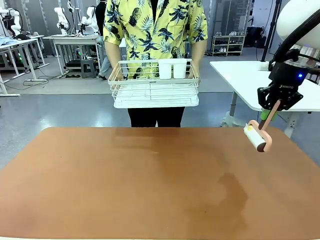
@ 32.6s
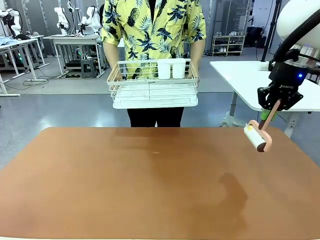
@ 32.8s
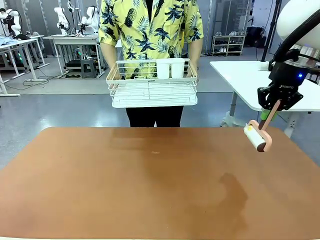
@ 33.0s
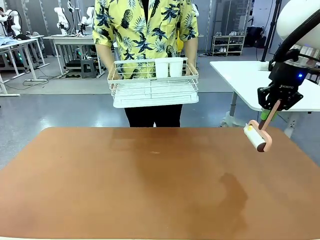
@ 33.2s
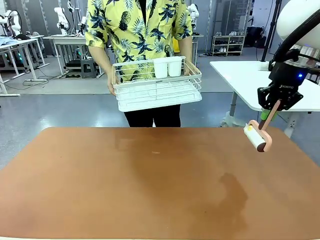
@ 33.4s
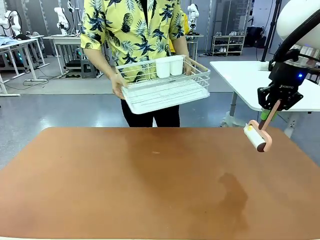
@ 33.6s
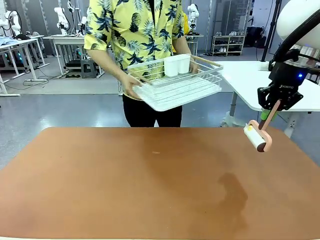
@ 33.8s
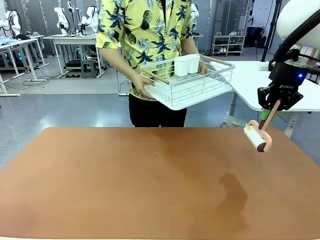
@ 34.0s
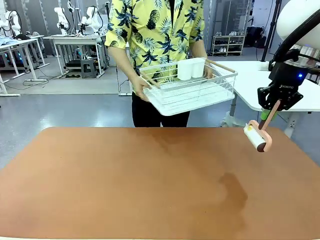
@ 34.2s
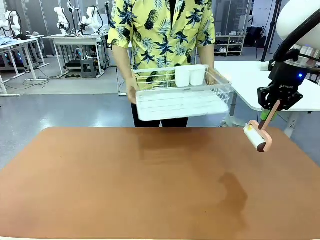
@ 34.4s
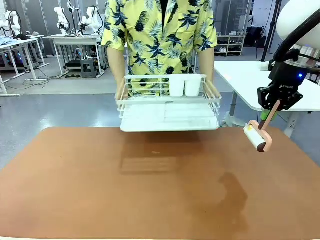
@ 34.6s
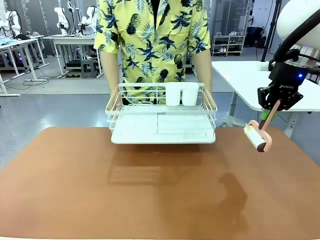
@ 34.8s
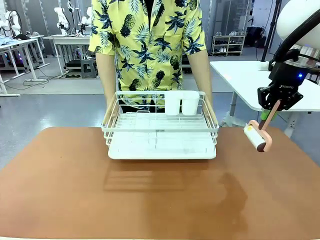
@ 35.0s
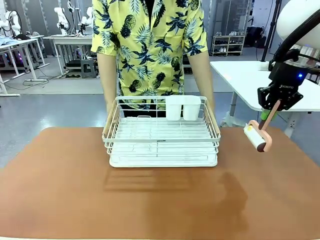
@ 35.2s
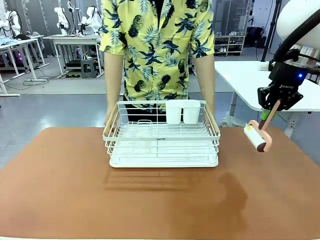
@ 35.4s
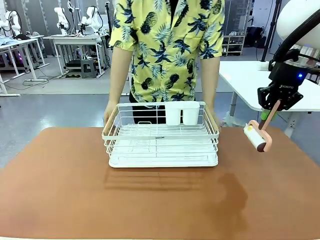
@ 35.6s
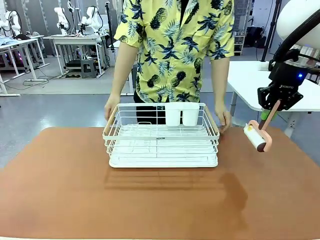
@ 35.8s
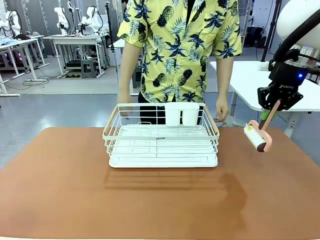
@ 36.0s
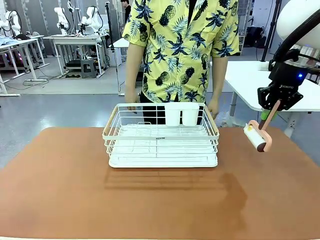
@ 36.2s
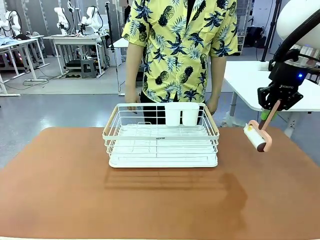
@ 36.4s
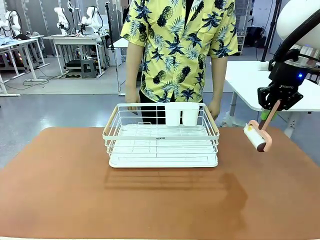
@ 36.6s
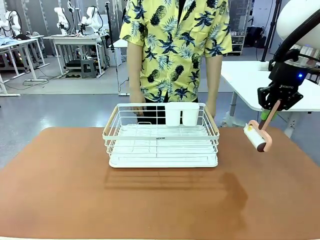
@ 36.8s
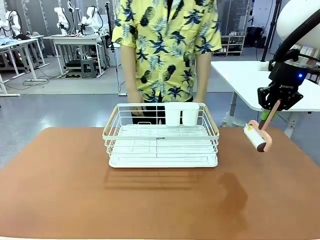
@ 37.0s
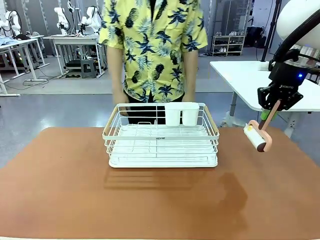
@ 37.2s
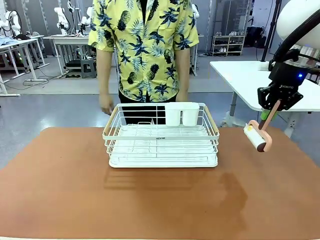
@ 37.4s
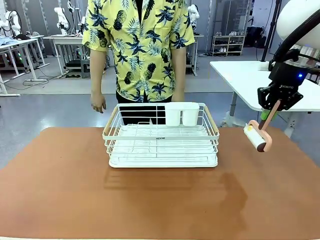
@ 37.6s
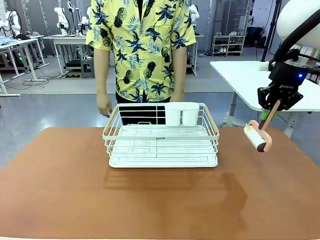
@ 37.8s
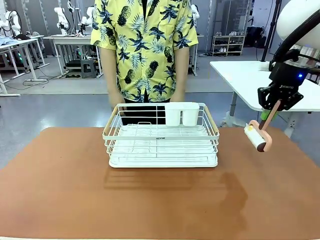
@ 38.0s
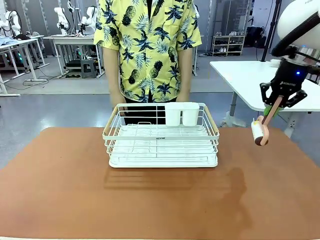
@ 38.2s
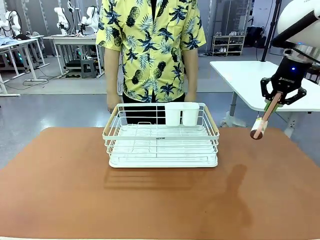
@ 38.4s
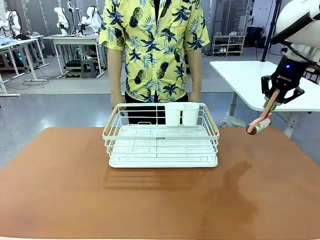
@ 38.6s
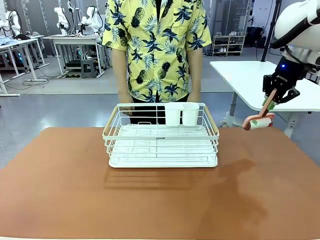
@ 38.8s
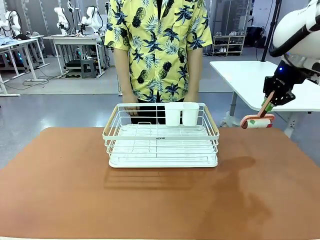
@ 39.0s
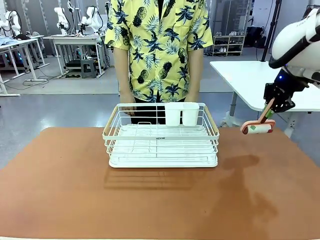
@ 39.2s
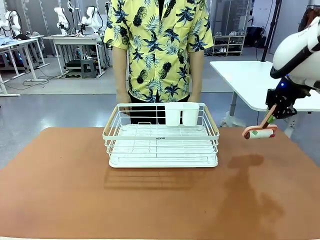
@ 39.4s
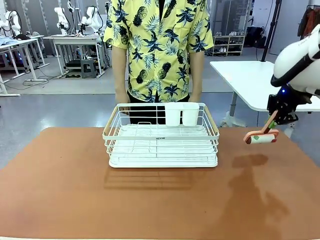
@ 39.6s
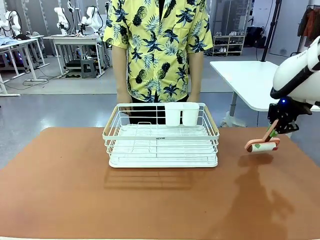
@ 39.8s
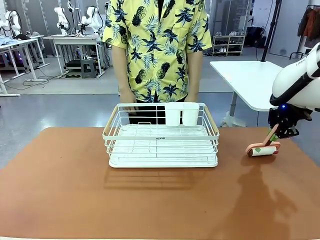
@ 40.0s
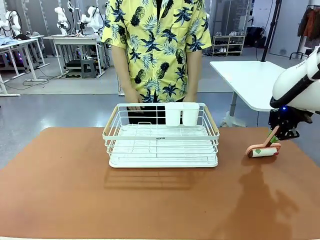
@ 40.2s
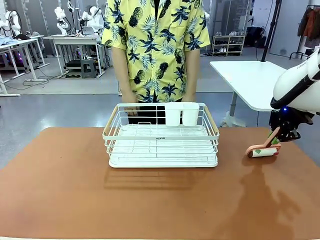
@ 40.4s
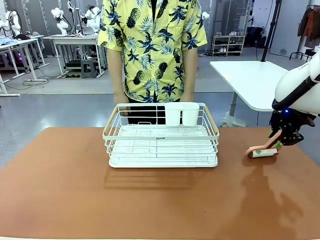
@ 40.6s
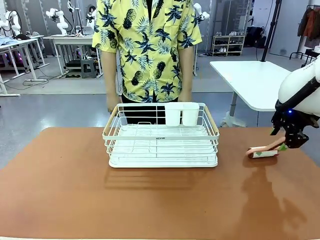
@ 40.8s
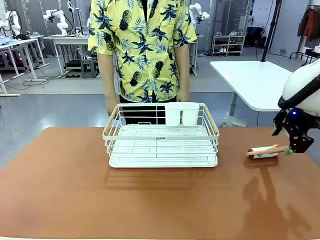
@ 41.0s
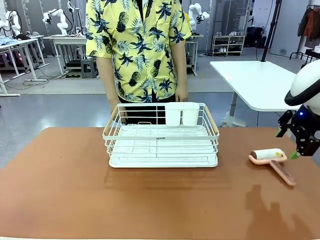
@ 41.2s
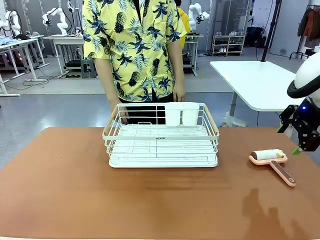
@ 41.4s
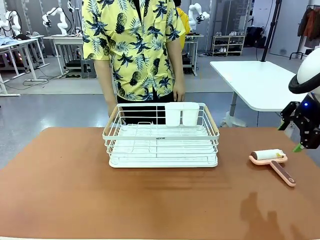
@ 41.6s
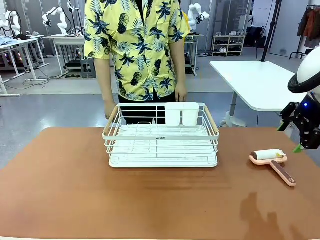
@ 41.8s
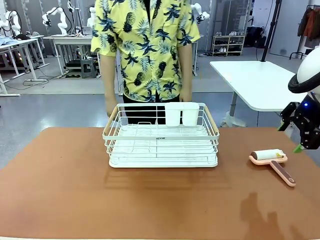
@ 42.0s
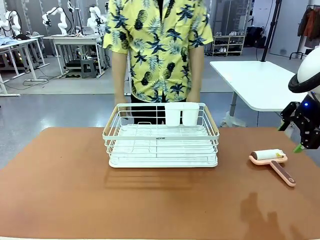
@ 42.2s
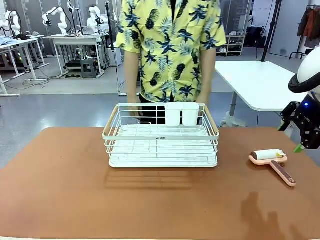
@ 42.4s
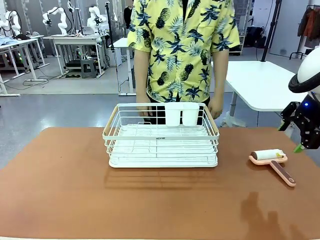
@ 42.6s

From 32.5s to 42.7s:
Task: Clean the table.
Robot: Place the Lint Roller down when the Dish drying rack is positioned in the middle of the table.

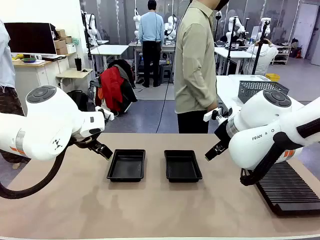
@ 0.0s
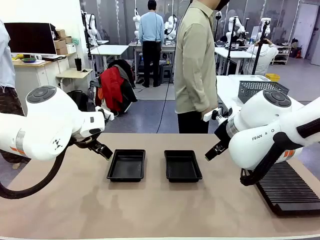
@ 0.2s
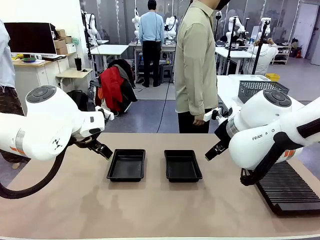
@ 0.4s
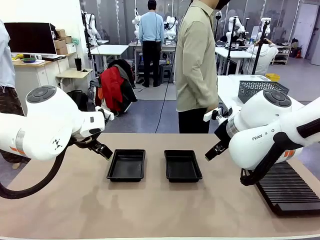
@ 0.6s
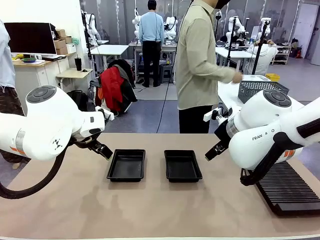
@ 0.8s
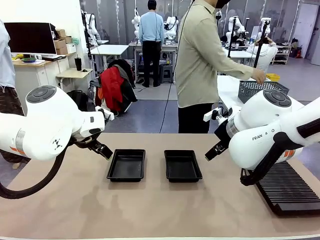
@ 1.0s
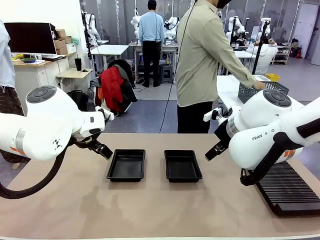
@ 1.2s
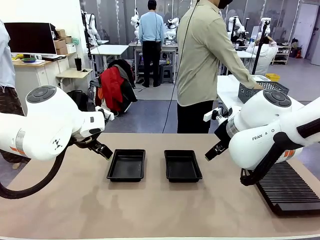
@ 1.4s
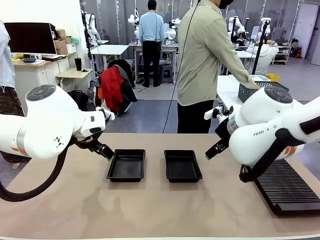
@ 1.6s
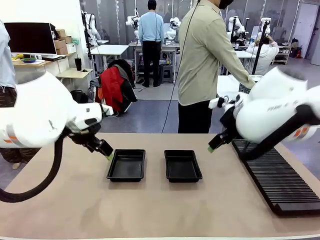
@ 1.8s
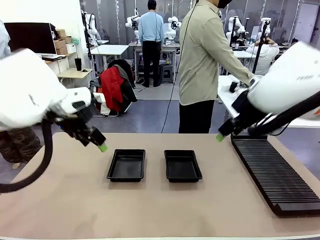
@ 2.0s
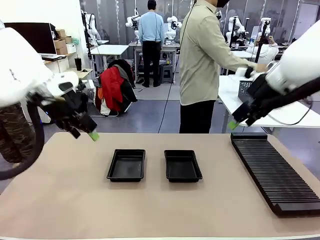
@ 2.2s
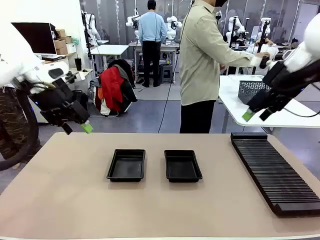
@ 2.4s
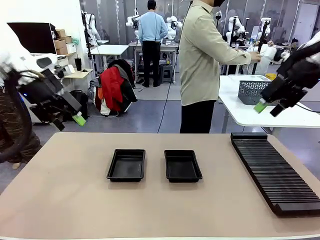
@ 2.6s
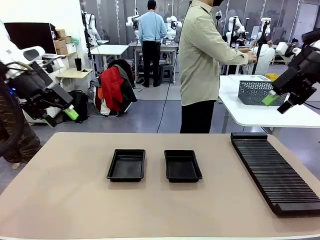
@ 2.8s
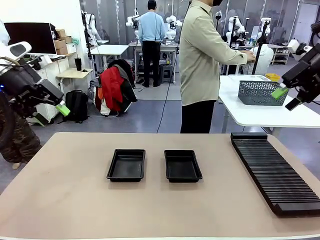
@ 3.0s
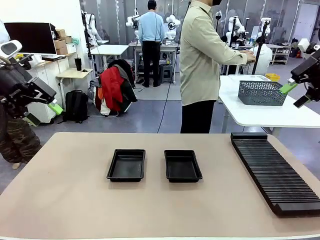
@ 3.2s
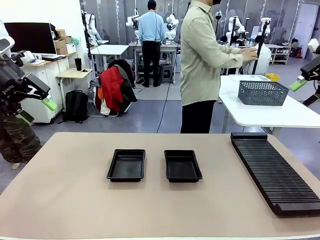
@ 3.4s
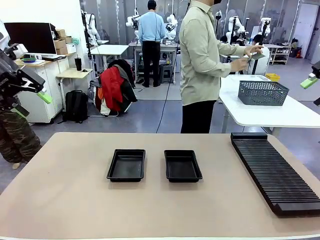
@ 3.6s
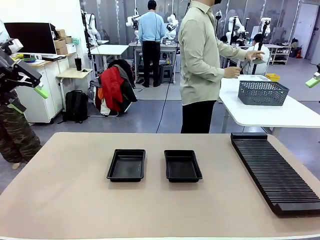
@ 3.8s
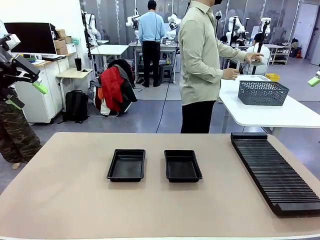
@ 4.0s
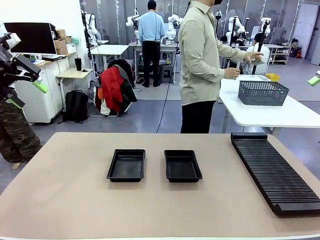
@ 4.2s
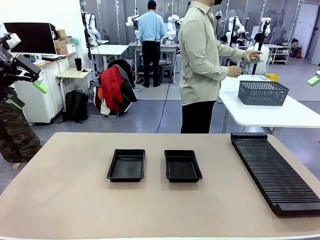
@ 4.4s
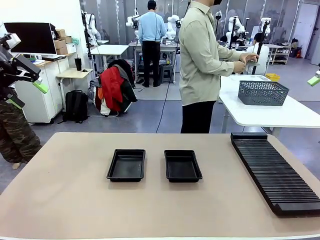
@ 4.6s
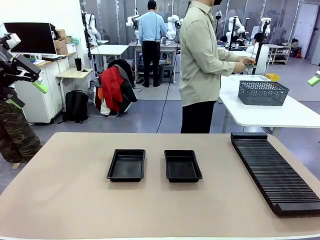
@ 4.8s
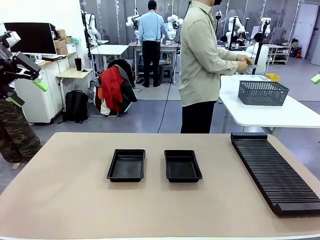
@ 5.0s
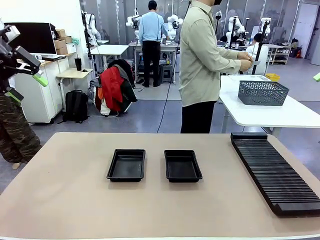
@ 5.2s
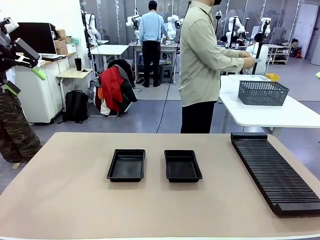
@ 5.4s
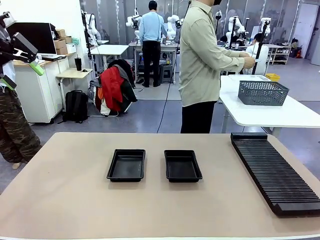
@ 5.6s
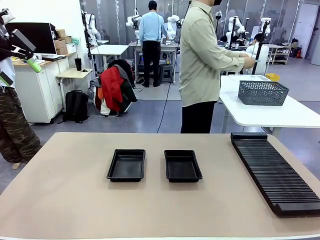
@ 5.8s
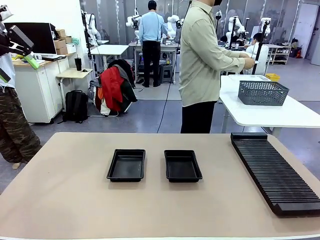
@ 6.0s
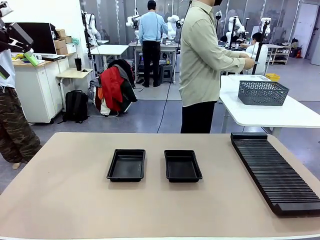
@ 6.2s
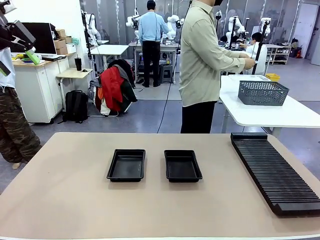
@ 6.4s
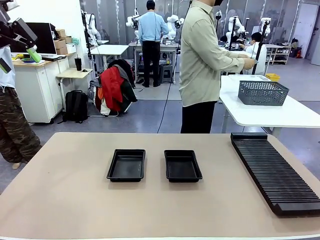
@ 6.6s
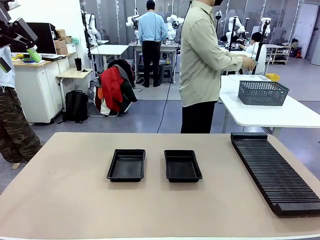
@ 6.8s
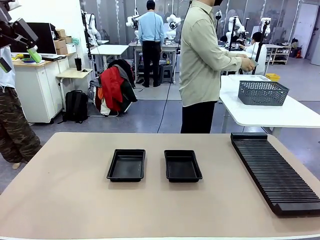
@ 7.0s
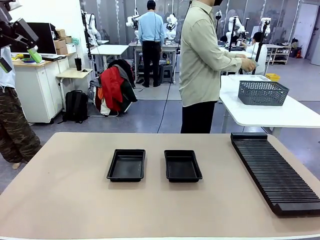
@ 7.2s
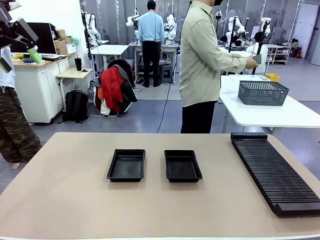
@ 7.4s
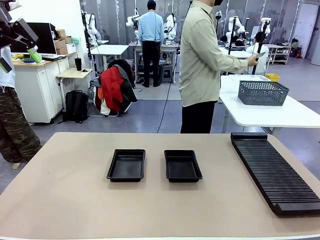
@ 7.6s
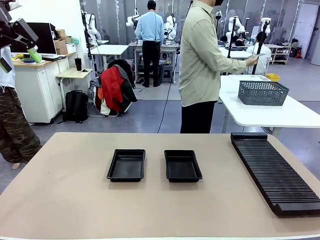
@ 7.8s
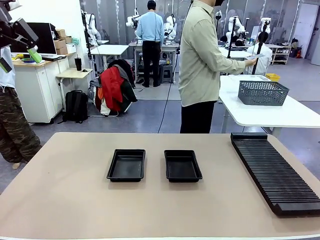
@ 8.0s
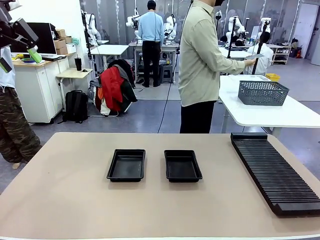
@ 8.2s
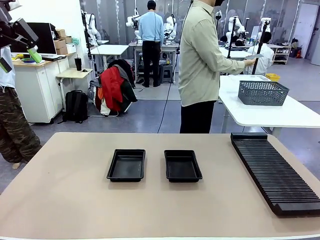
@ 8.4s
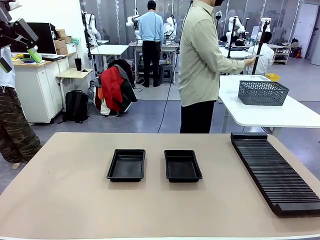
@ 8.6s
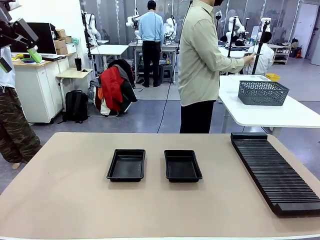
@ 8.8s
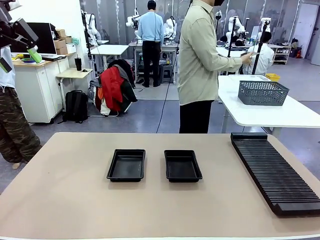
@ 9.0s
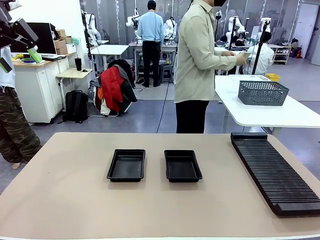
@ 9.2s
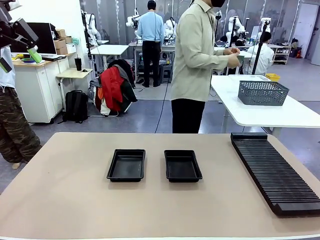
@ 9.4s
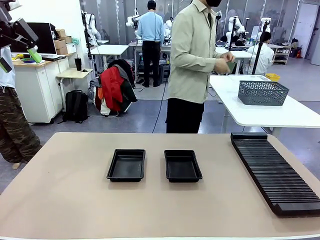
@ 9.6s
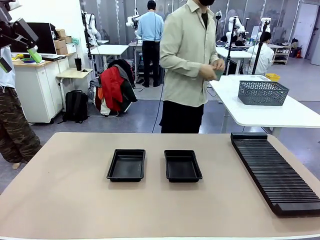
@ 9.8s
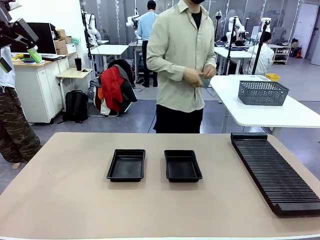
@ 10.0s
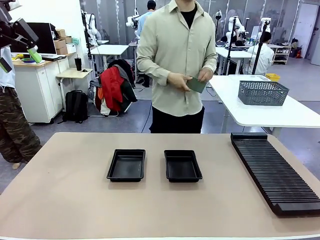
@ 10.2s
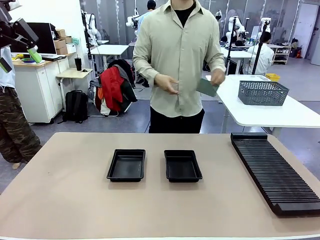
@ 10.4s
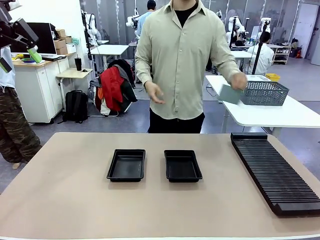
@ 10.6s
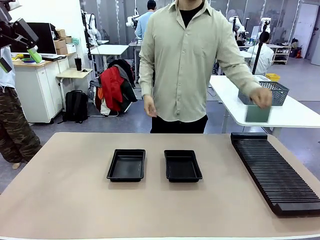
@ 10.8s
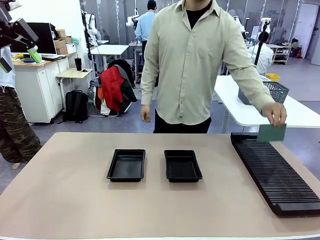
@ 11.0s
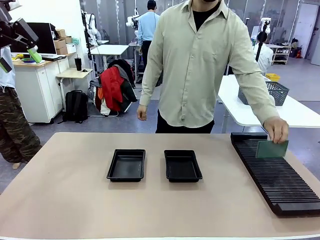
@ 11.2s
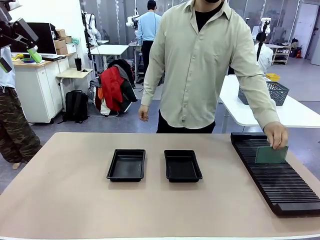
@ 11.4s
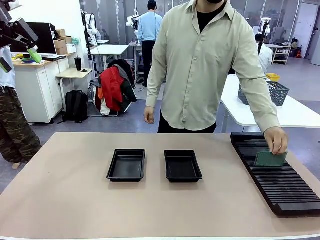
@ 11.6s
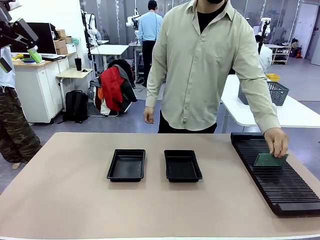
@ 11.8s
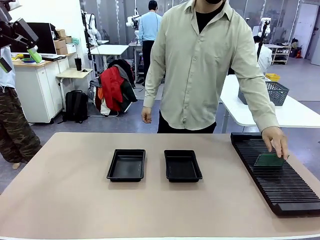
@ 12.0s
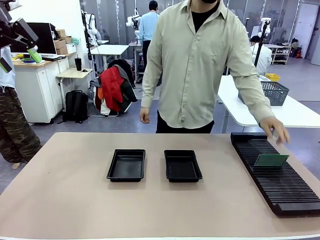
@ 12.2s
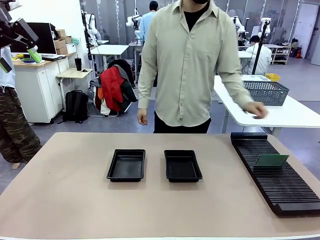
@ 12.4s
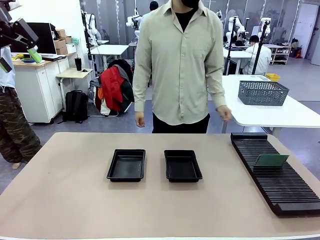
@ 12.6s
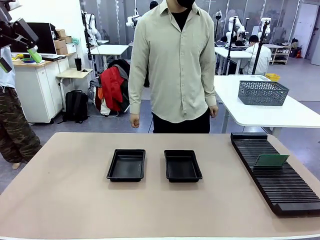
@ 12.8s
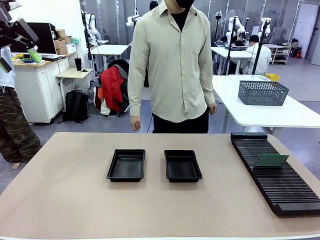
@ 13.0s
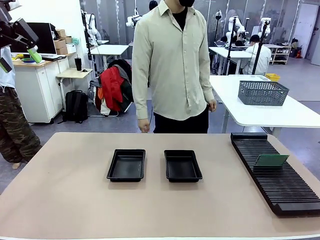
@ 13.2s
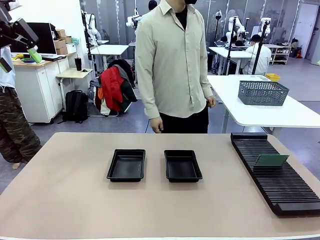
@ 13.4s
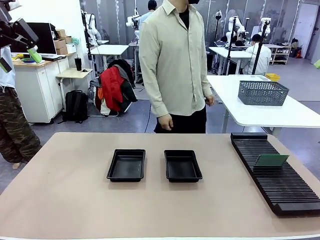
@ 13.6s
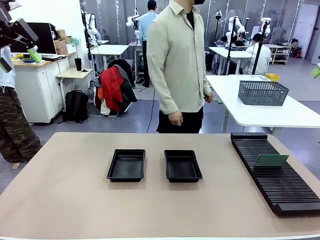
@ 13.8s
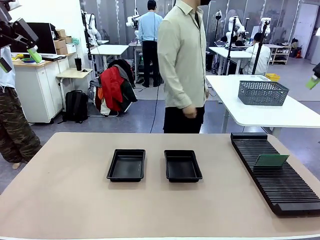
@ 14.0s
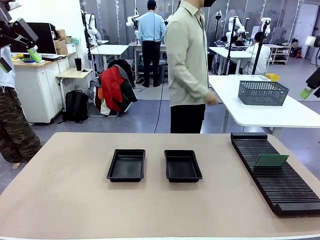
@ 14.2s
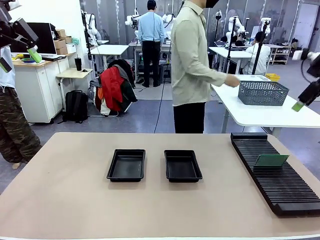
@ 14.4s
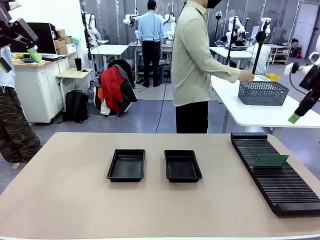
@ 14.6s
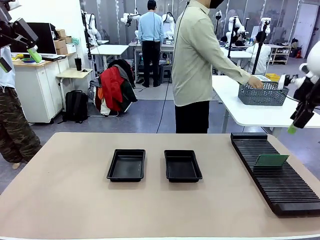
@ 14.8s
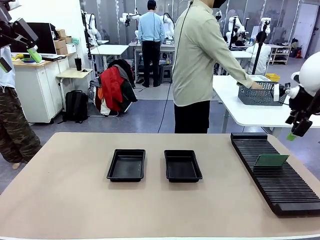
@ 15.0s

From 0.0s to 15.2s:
Task: Inspect and transfer BCBs to ESD trays.
Robot: Pick up the Blank PCB from the PCB Rack and place it in the left ESD tray.
